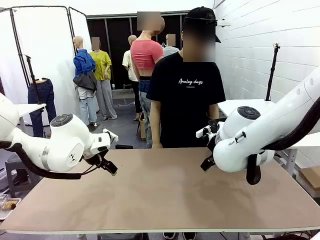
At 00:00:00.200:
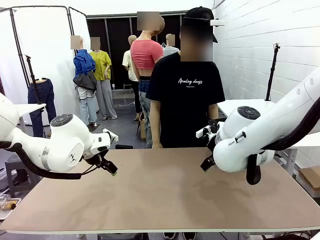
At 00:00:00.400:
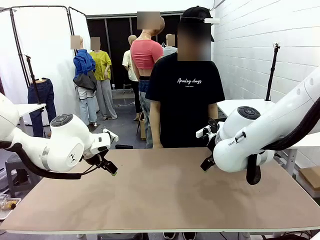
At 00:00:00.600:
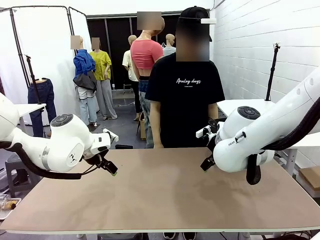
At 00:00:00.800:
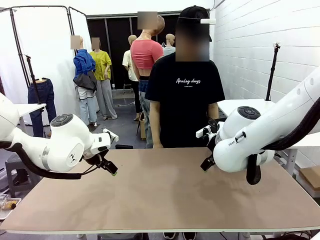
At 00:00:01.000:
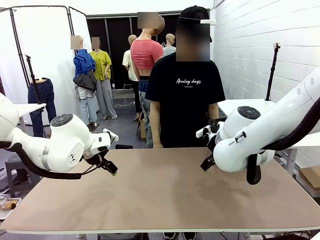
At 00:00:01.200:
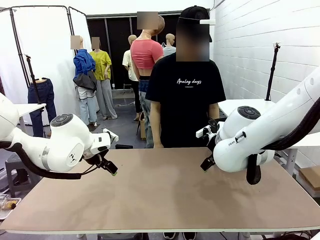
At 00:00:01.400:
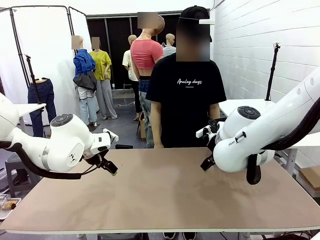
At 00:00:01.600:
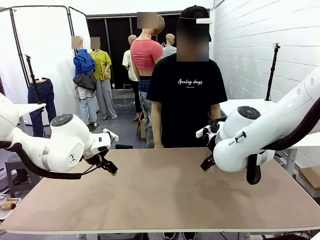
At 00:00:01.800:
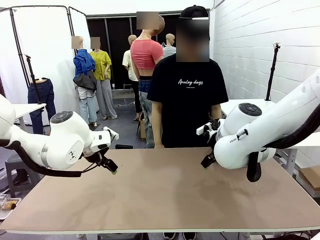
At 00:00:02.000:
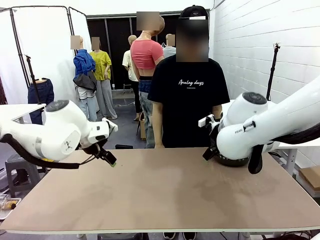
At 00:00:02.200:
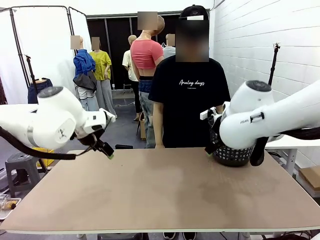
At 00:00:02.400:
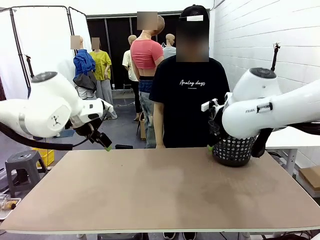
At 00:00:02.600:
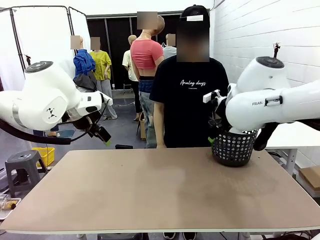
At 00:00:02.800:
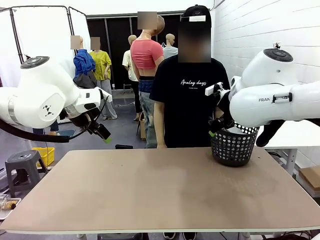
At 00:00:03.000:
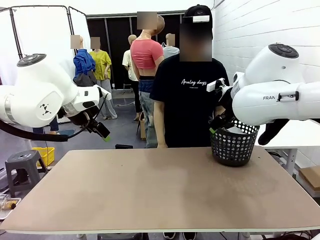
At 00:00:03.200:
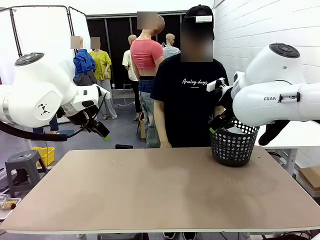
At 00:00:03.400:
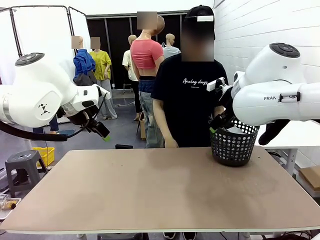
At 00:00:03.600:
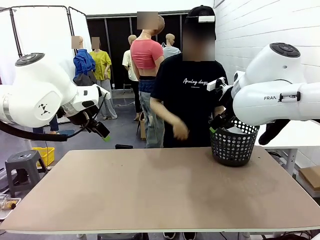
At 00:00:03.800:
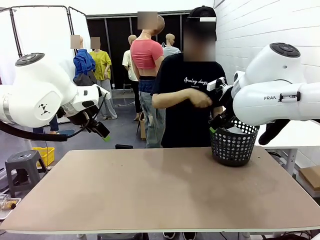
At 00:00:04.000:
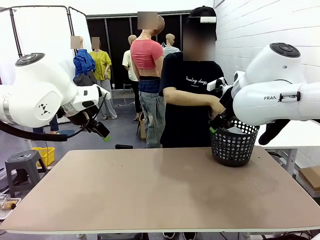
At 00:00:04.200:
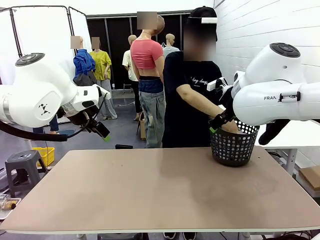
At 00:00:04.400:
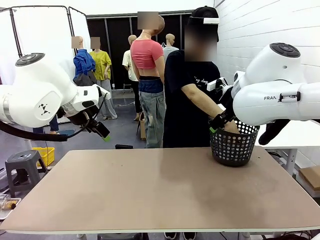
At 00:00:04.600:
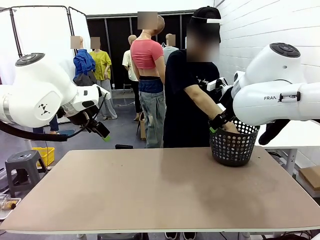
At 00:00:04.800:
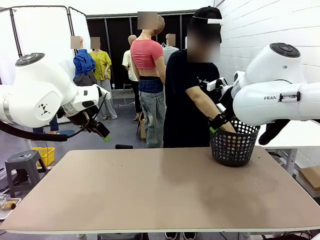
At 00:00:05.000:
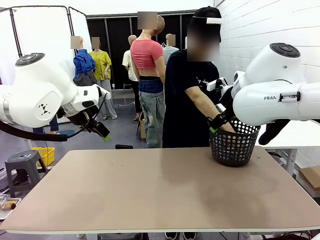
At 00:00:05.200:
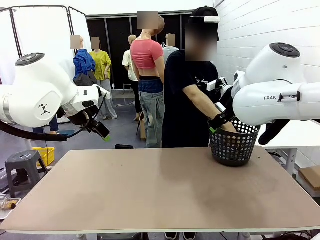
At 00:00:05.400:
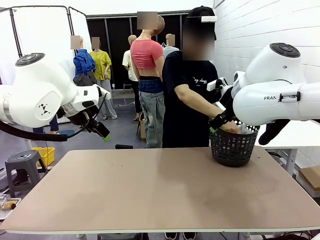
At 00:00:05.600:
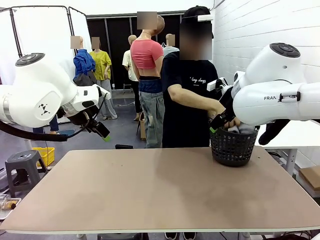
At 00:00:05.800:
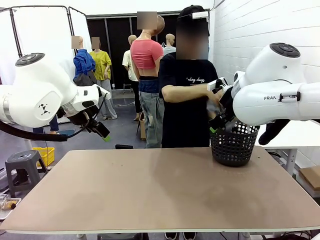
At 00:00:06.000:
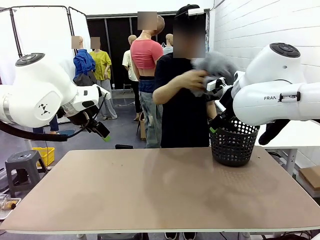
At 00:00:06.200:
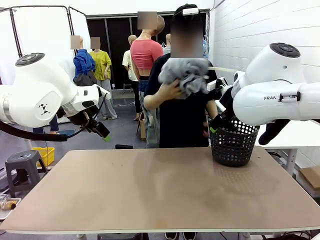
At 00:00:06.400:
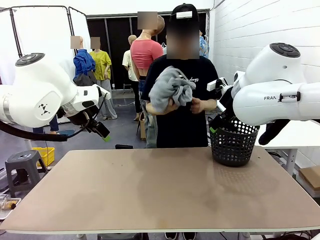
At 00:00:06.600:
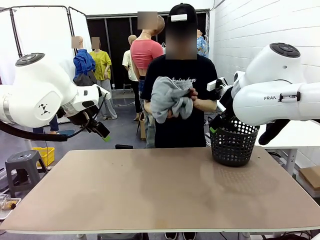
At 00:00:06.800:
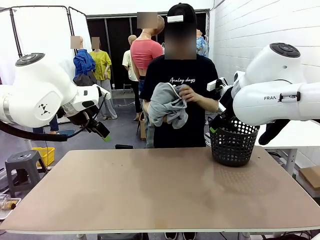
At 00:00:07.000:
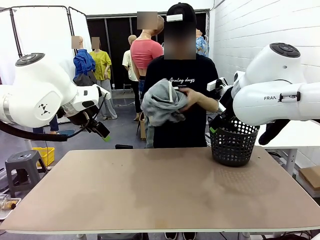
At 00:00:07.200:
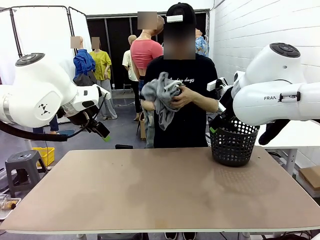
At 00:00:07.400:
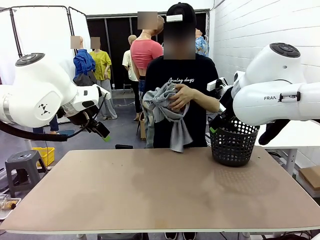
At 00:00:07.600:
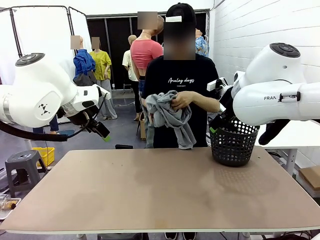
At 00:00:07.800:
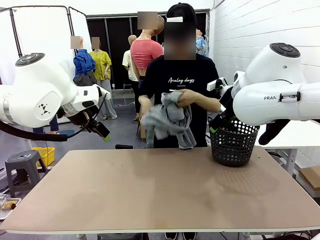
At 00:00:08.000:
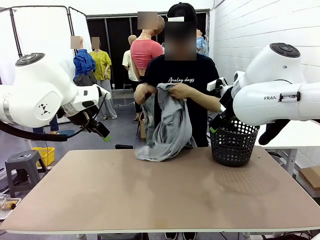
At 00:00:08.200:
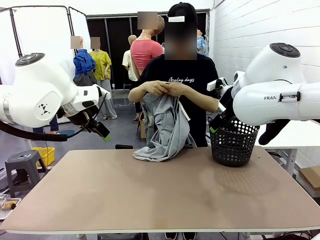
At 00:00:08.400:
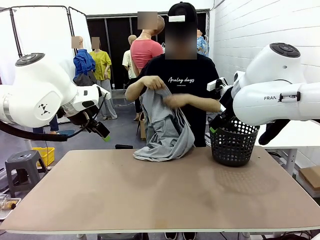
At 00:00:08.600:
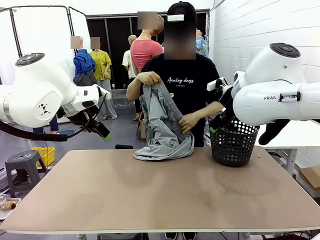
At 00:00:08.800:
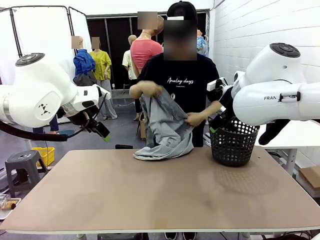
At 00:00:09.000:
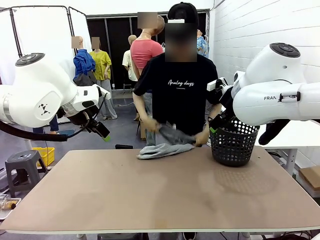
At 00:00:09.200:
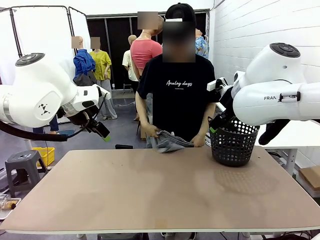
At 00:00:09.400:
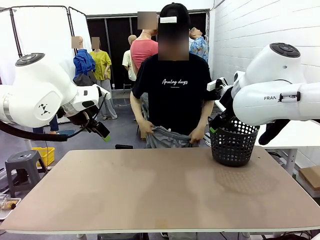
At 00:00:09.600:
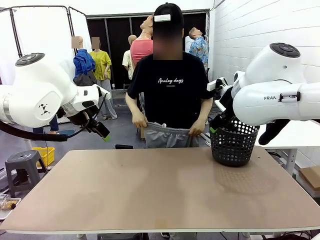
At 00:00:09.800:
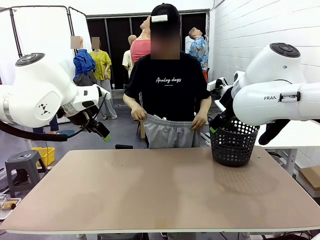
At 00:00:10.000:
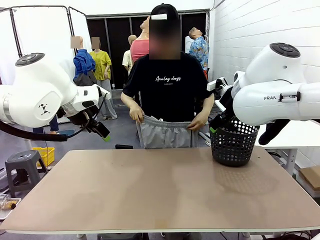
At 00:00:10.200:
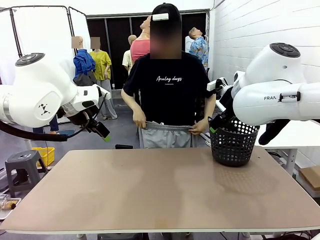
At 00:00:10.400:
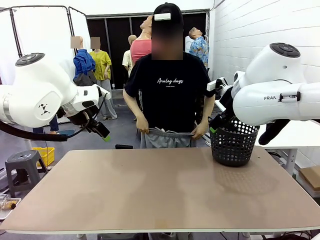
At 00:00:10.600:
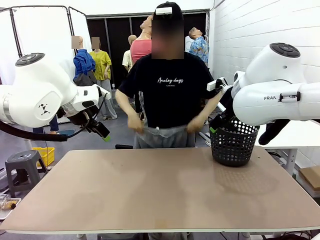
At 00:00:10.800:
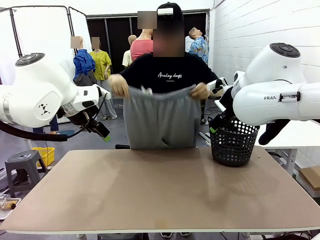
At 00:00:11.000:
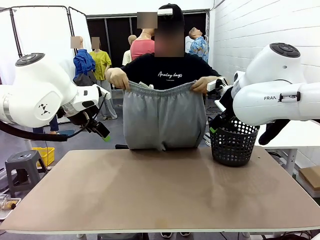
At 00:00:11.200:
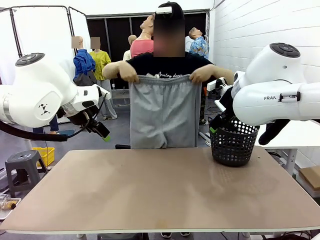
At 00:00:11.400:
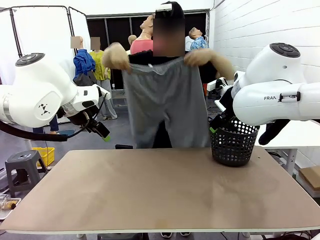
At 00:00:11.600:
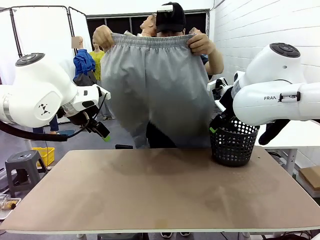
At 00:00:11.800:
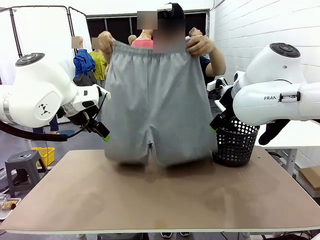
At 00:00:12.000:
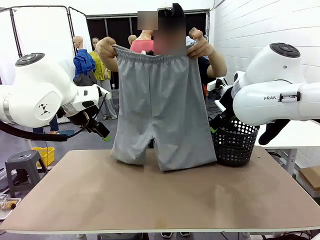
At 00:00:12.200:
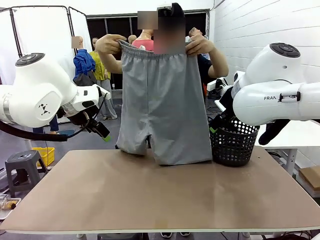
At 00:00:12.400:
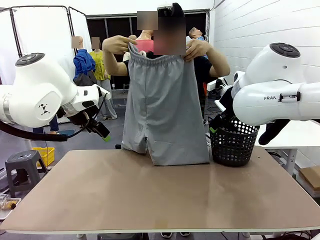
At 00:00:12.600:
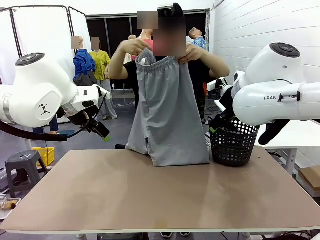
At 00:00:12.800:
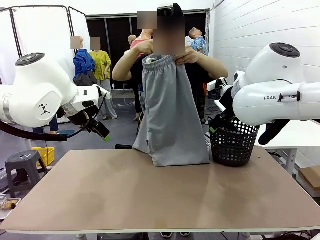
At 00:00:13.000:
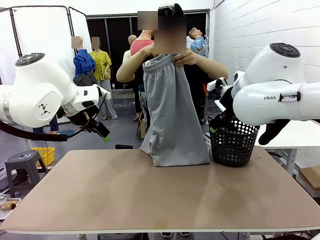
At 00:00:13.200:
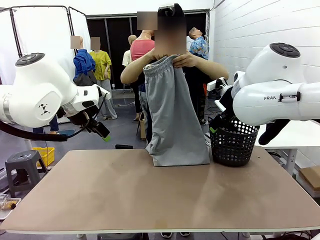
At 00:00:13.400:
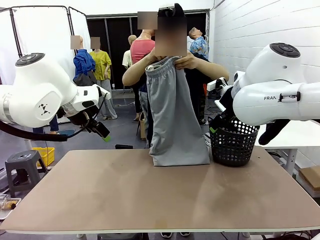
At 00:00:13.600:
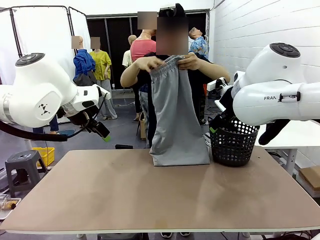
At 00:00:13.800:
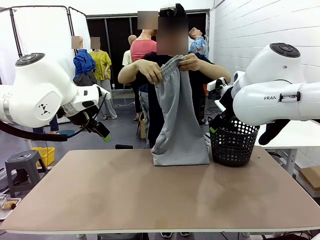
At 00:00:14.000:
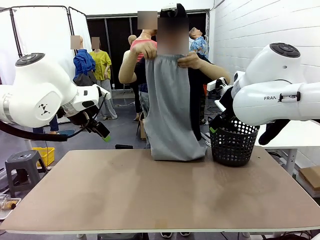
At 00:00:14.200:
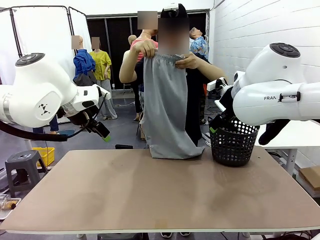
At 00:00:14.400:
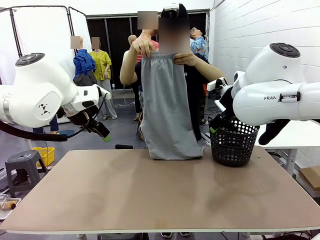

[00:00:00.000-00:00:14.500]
Task: Fold the training pants.
Robot: Grab both ends of the Training pants handed by a person.
Person: Take the long pants out of the laundry basket, unfold them, fold the waist in half, and extend them so the robot can pick up both corners.

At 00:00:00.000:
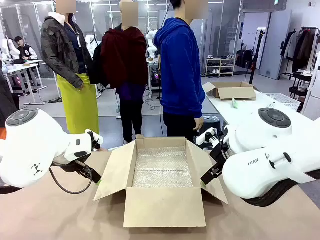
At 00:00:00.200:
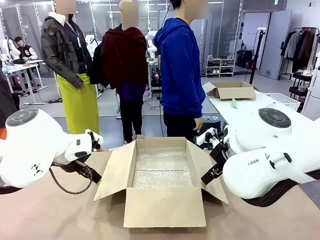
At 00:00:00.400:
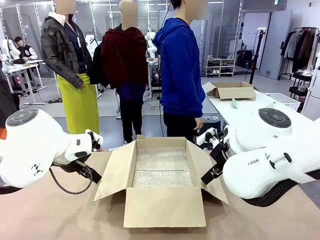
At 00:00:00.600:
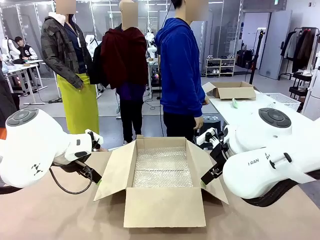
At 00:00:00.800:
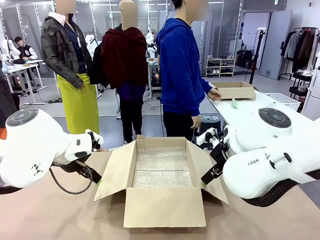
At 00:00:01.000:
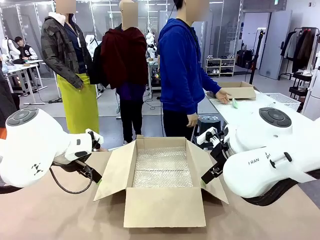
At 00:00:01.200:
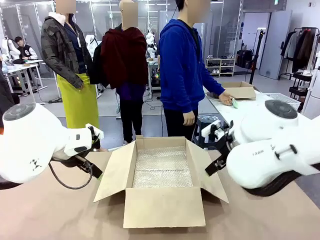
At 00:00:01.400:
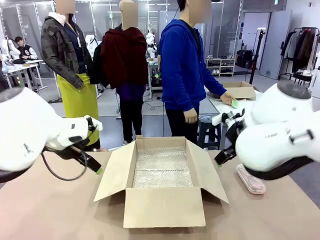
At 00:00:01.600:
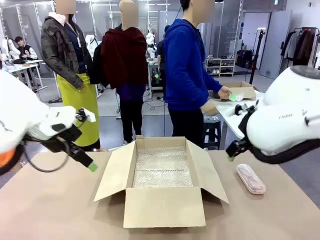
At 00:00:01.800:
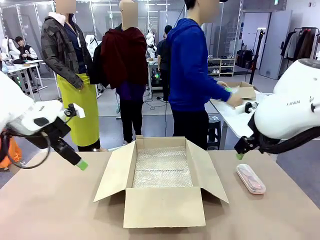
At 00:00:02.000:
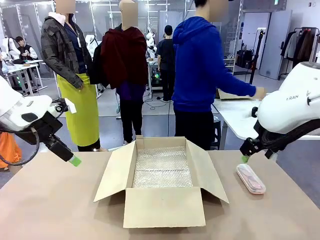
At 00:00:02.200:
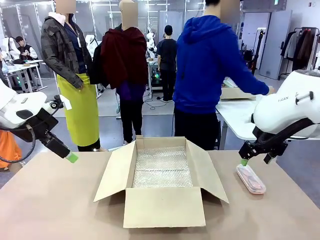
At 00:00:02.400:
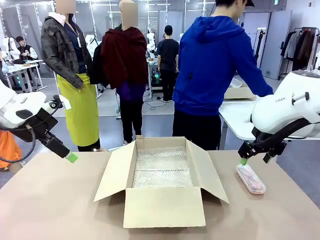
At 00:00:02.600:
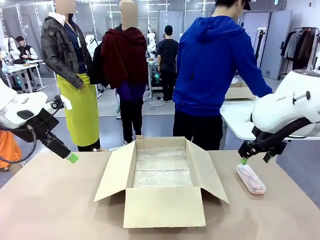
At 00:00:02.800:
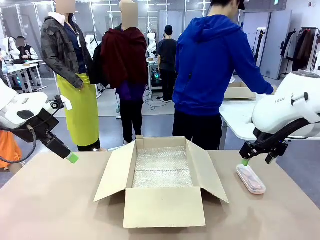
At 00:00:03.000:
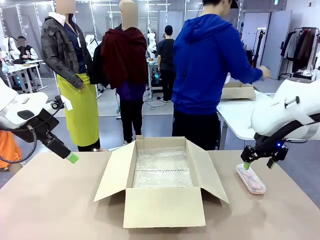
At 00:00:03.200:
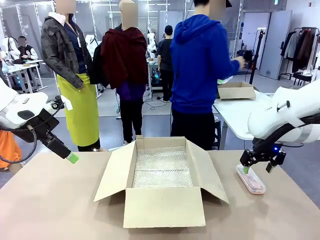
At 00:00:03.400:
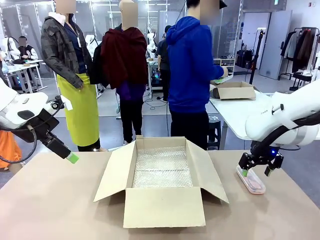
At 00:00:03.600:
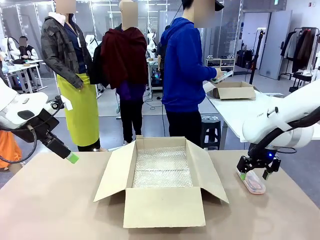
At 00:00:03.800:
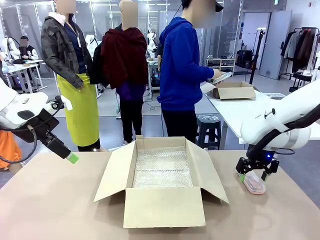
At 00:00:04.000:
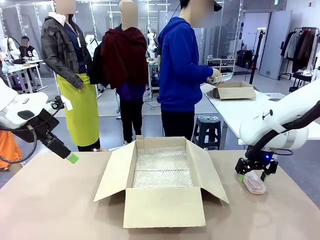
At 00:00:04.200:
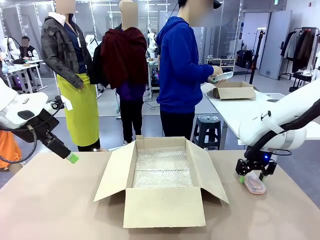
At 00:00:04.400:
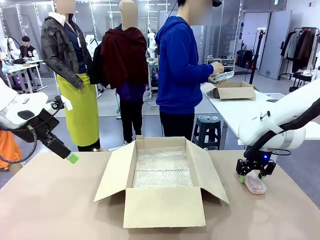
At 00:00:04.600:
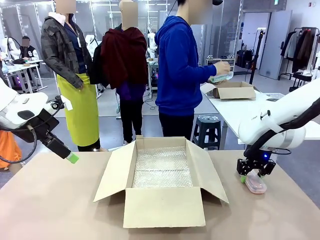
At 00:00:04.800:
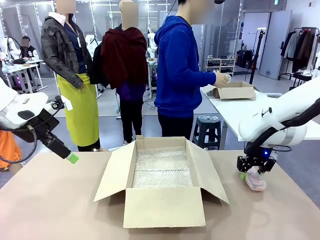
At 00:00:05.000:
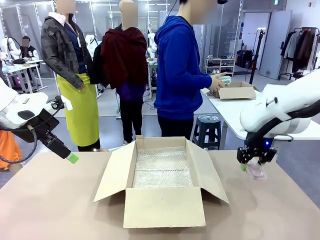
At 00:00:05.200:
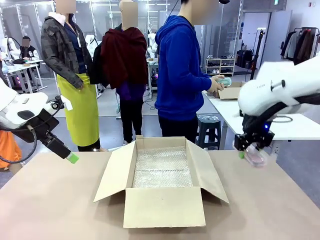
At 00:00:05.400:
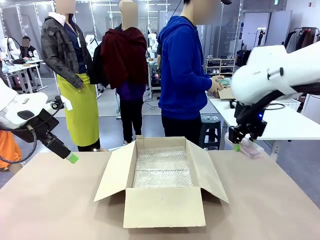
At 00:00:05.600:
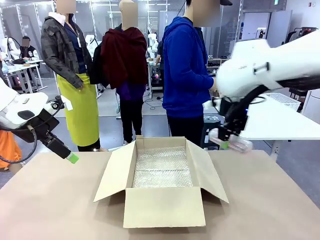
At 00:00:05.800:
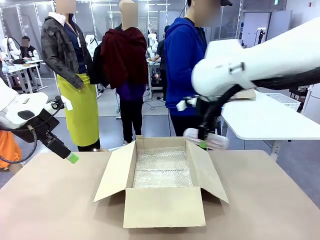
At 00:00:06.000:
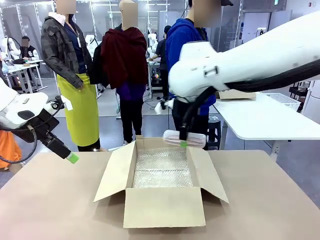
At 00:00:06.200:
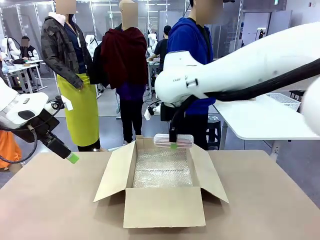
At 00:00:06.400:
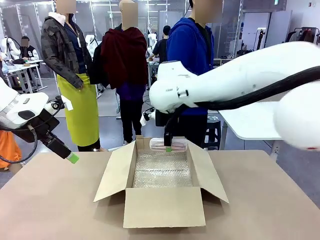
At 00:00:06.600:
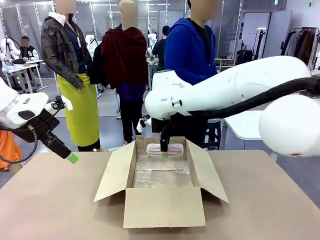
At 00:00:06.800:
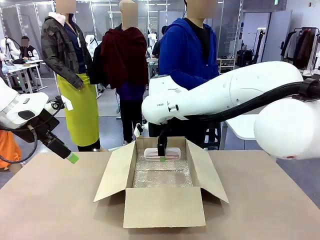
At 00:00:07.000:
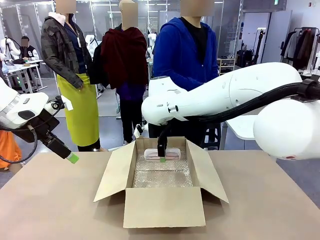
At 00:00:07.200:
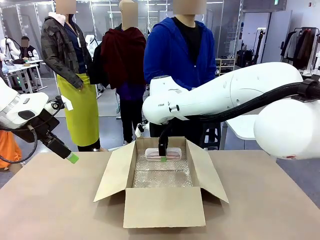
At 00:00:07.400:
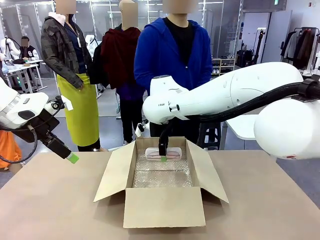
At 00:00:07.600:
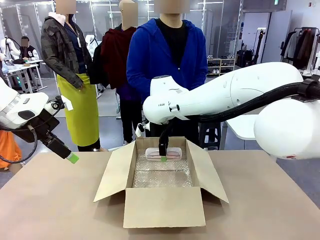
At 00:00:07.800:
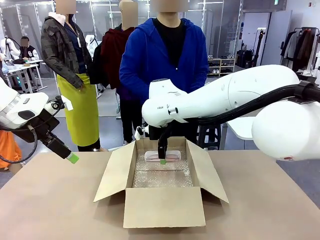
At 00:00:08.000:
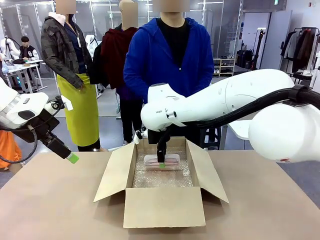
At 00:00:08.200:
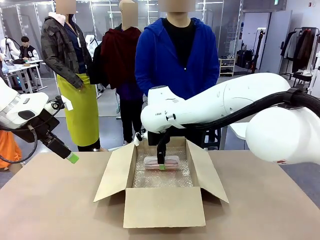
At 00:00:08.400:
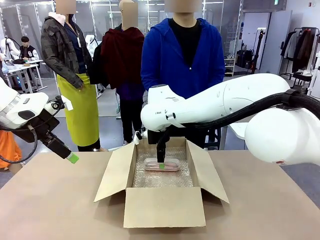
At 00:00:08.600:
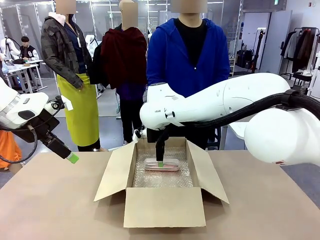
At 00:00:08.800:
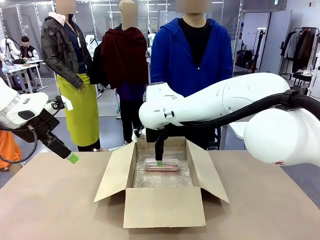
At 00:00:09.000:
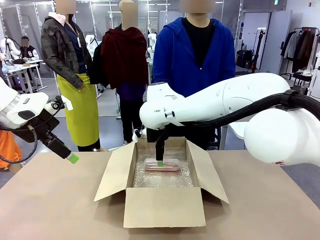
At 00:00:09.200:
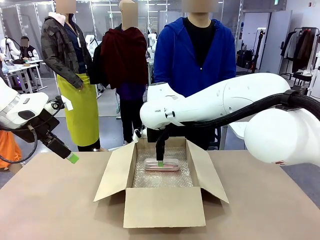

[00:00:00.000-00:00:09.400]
Task: Pack the glasses set securely to prepare it for shipping.
Robot: Place the Glasses case inside the Package Box.
Person: Place the Glasses inside the Glasses case.
